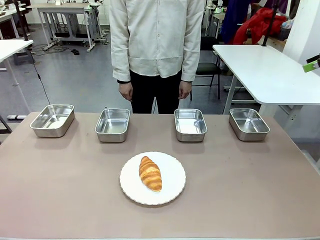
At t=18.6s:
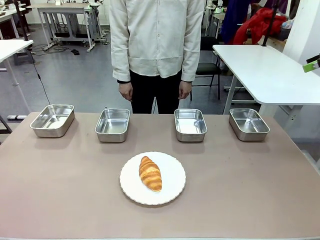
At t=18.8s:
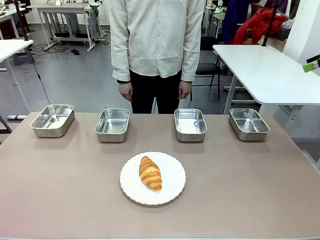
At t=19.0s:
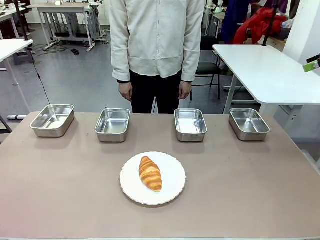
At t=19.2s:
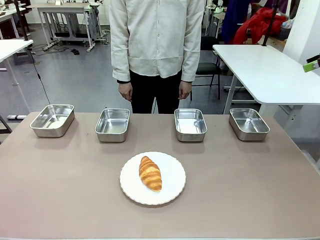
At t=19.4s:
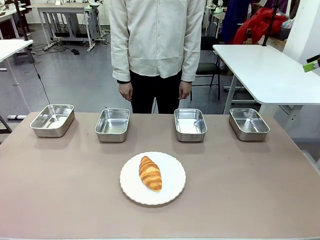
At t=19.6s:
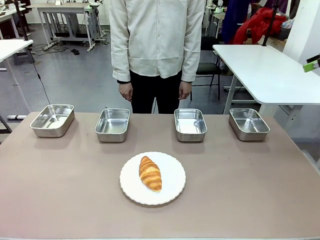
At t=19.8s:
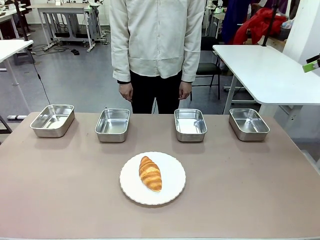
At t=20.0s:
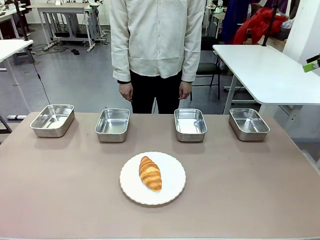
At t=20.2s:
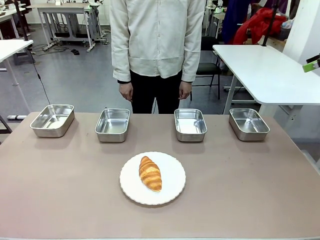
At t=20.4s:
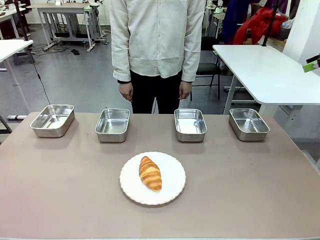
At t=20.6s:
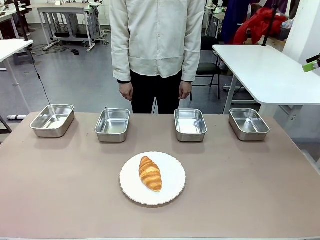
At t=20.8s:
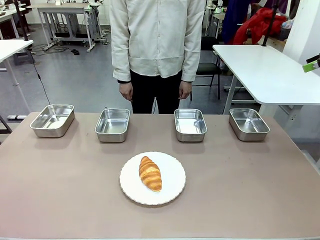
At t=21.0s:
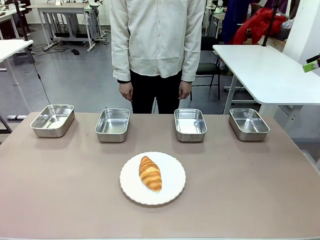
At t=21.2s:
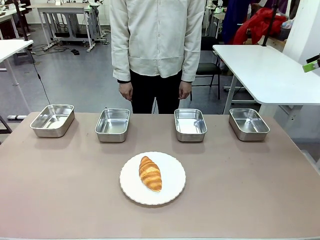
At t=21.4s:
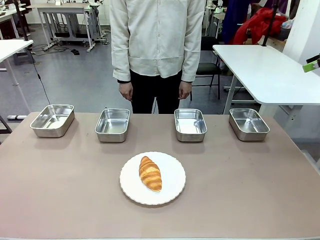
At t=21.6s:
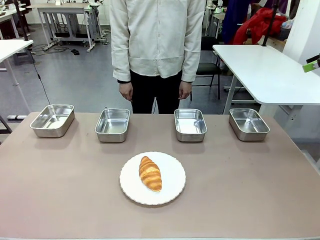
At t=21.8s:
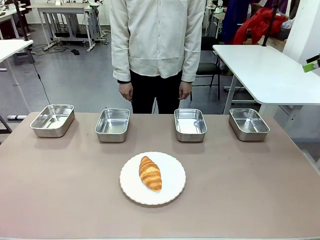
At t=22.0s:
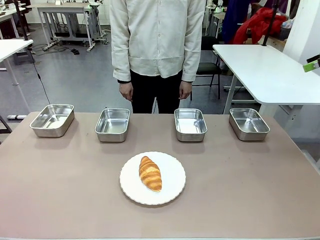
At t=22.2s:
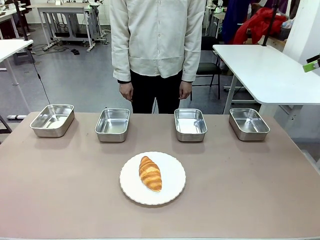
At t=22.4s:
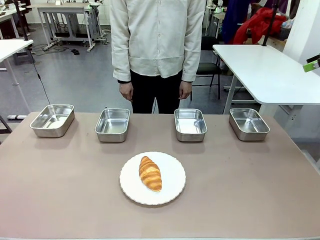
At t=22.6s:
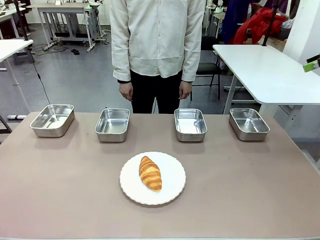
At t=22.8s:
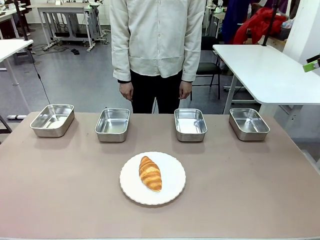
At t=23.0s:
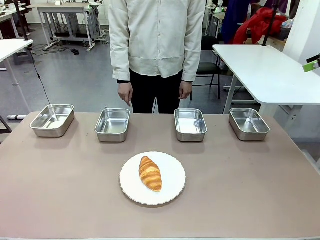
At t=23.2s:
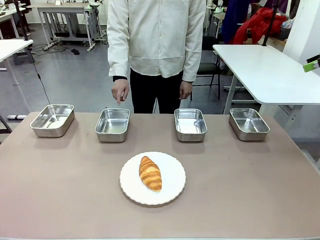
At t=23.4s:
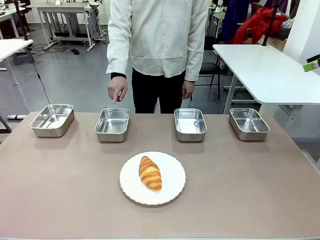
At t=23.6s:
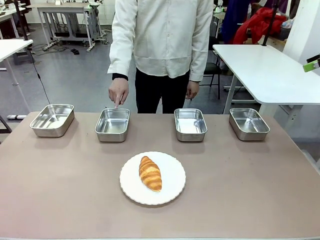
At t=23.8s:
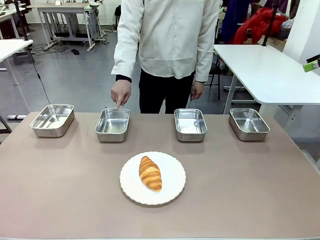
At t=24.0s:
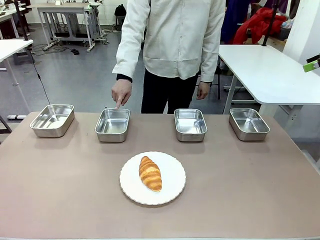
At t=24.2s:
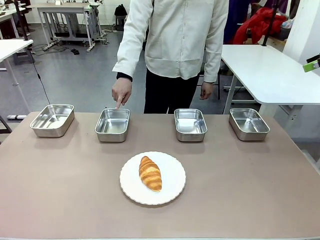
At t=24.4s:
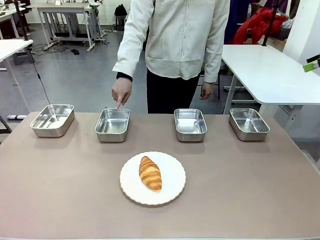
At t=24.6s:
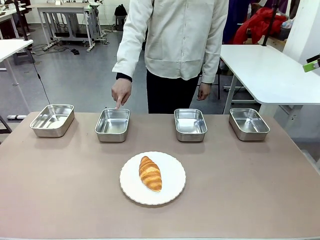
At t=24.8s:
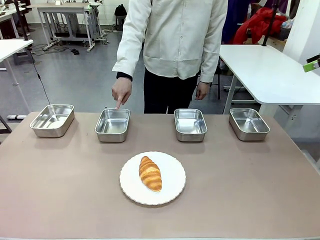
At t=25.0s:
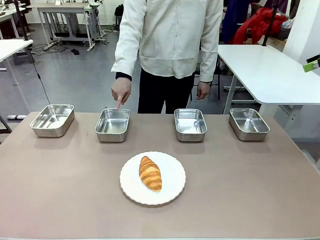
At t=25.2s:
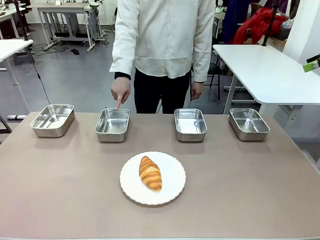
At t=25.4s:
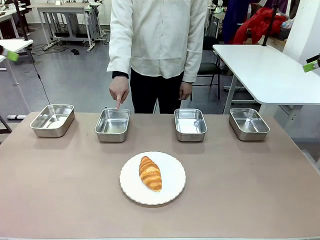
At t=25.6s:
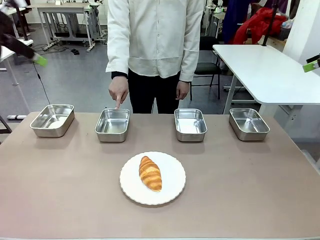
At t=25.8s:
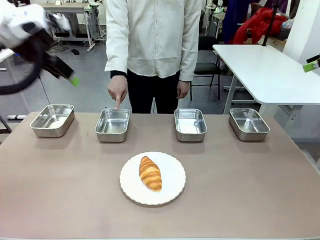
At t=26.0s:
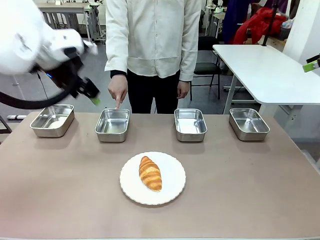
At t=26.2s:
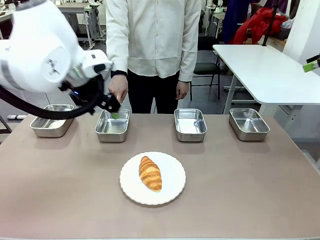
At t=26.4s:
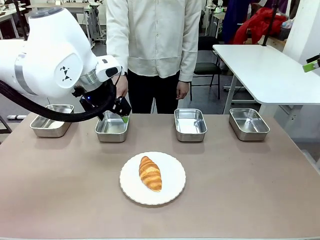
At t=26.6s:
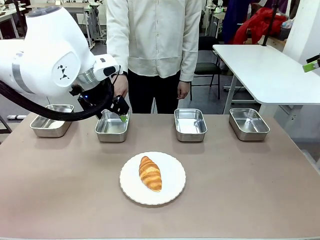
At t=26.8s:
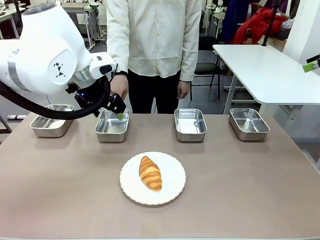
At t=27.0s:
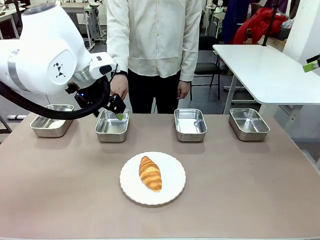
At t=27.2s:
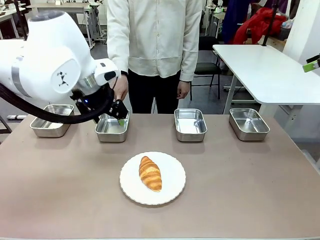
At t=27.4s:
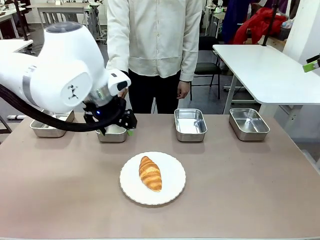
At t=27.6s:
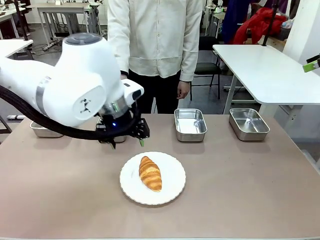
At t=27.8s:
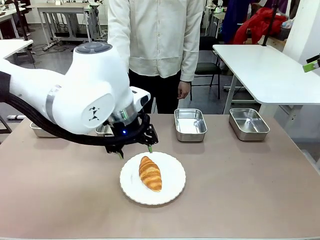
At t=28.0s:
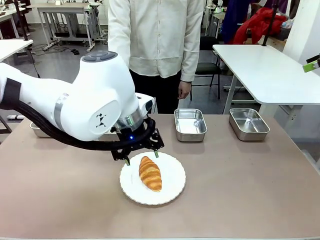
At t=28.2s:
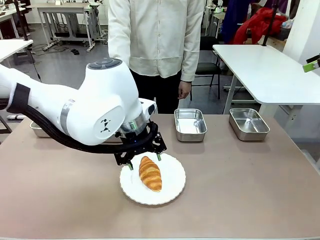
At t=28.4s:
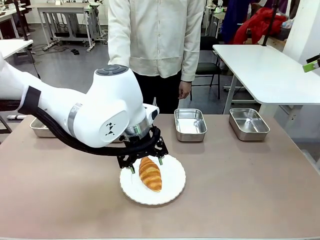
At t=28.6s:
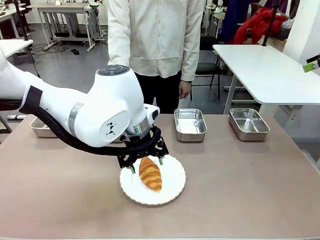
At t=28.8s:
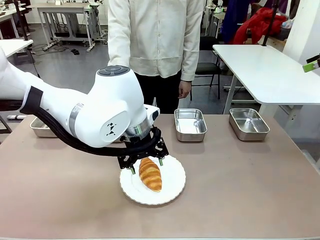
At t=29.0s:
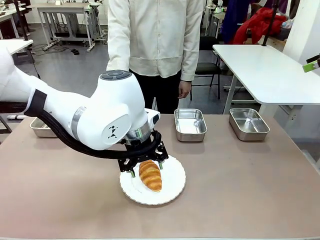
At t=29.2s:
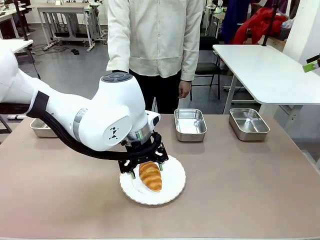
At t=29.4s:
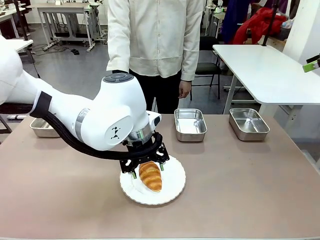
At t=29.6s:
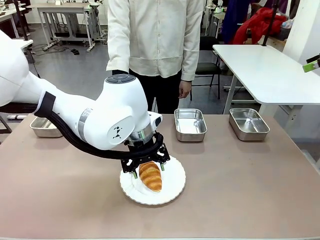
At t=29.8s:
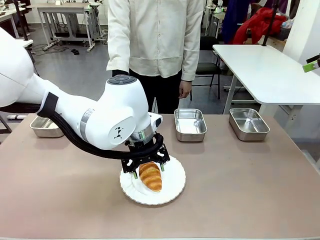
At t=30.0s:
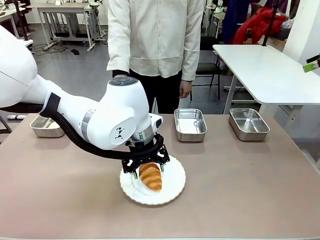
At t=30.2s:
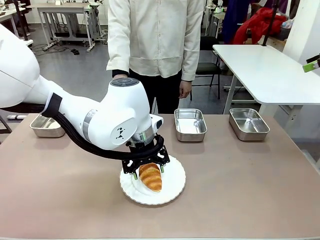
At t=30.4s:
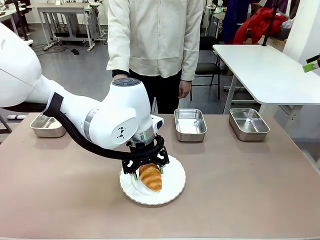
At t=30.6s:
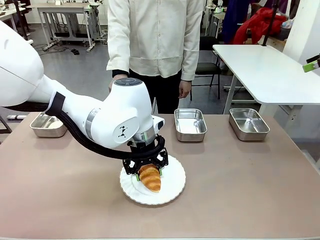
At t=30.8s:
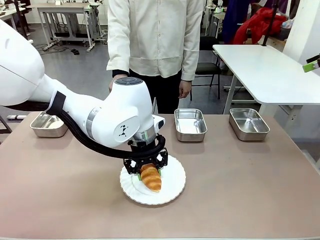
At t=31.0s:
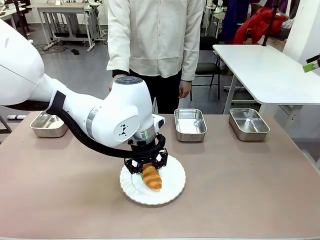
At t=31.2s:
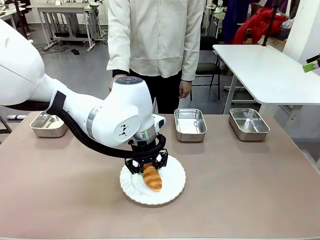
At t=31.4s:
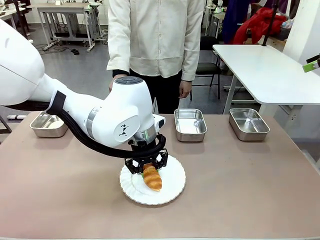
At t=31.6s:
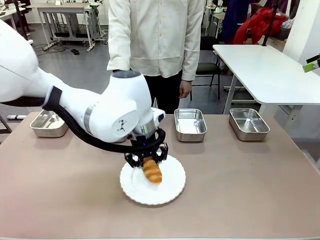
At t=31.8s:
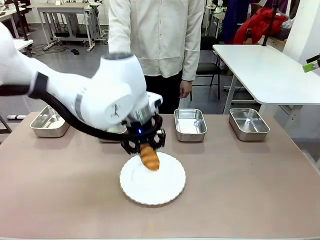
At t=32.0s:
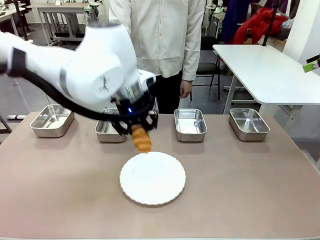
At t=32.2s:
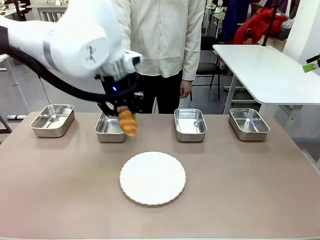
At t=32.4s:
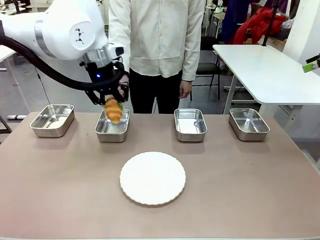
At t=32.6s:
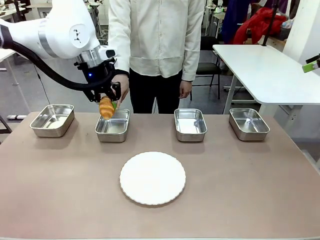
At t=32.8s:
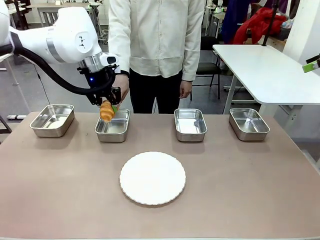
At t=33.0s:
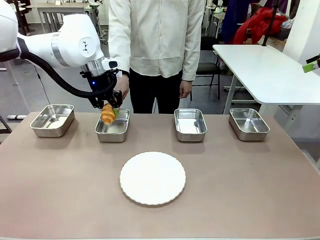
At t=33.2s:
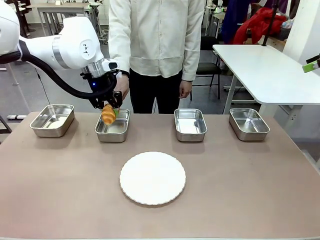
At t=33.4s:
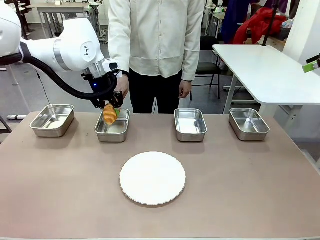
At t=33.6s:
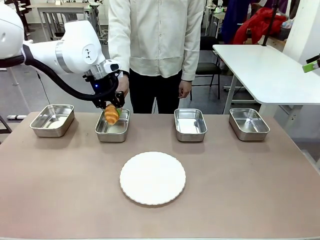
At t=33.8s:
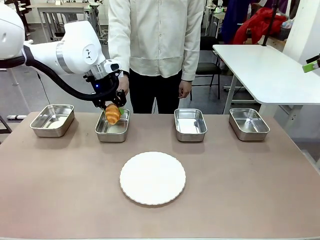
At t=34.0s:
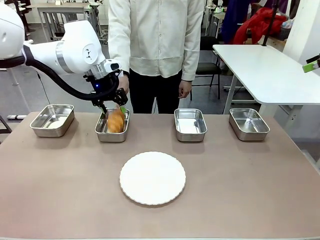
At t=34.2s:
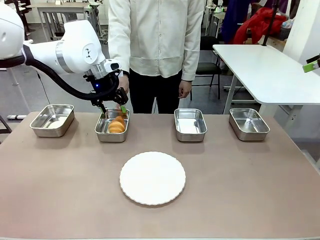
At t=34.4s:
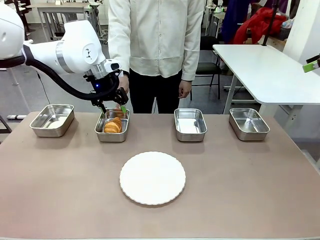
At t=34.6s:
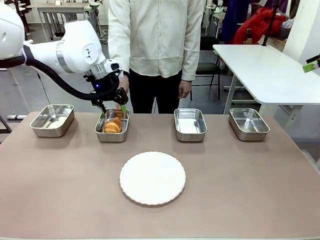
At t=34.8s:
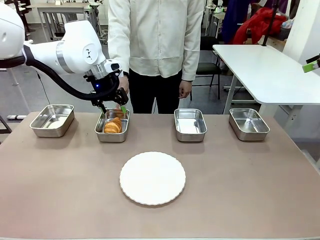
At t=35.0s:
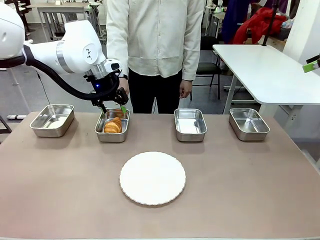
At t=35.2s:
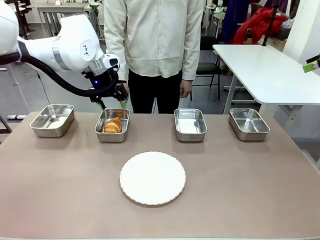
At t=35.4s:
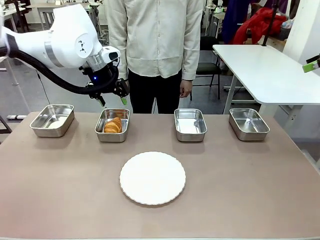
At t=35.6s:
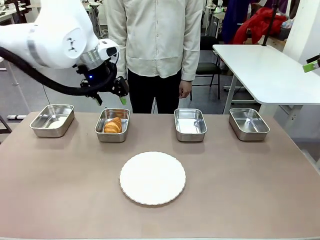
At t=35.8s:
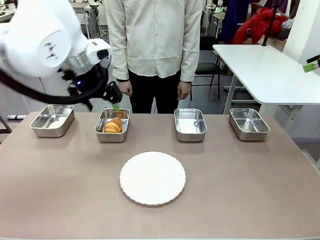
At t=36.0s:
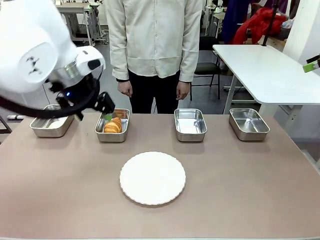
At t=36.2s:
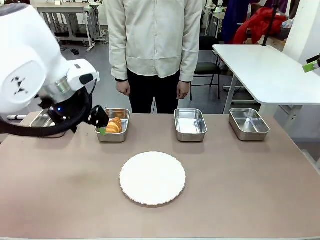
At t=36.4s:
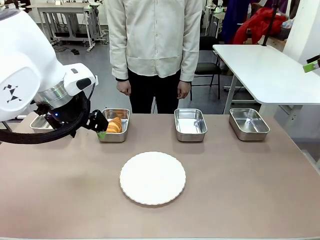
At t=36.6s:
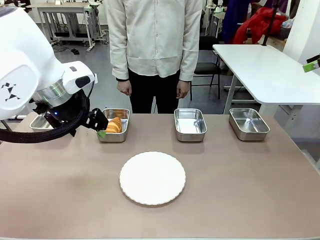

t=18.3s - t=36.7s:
Task: Place the bread in the container.
Robot: Place the Butter Roll into the Airtight Container indicated by the human.
Person: A person randomly selects and points to an Airtight Container.
